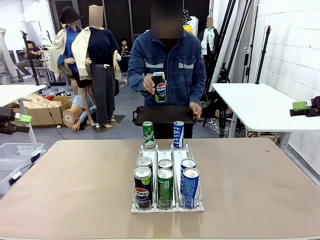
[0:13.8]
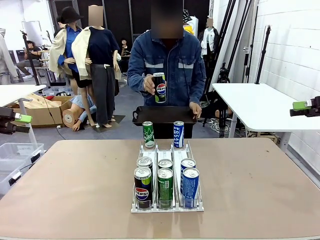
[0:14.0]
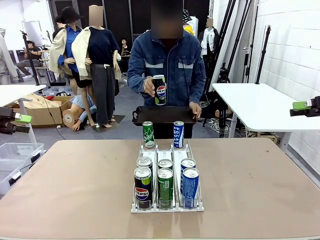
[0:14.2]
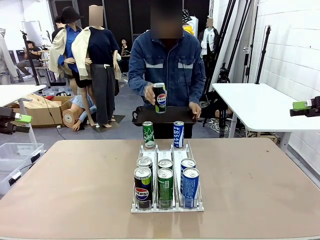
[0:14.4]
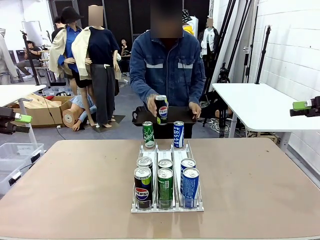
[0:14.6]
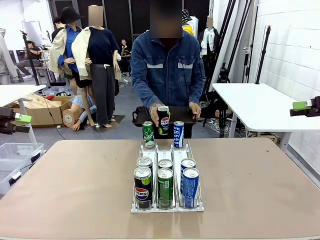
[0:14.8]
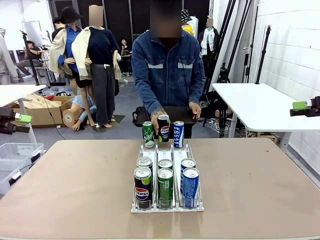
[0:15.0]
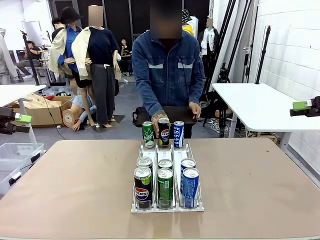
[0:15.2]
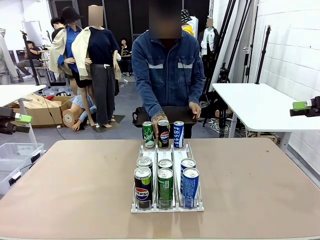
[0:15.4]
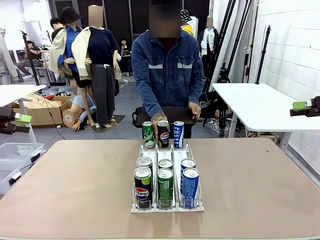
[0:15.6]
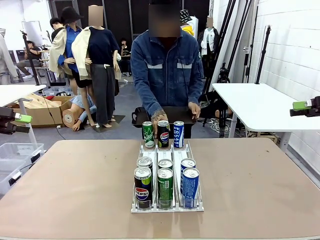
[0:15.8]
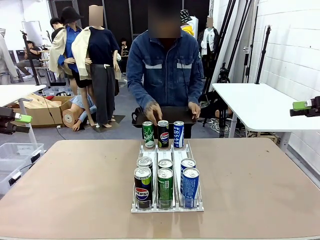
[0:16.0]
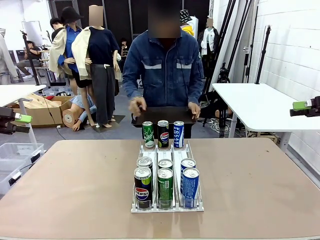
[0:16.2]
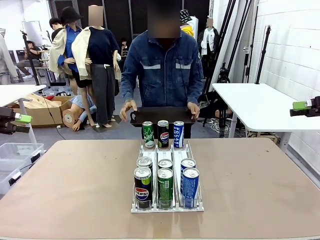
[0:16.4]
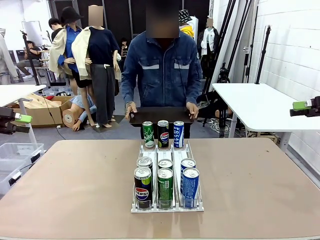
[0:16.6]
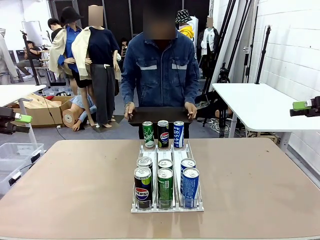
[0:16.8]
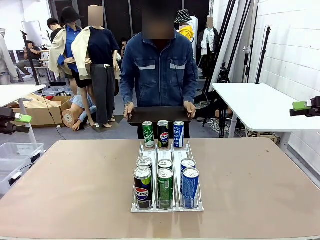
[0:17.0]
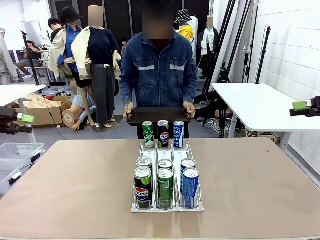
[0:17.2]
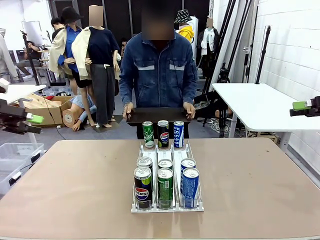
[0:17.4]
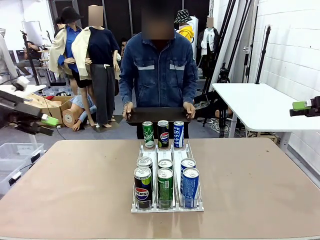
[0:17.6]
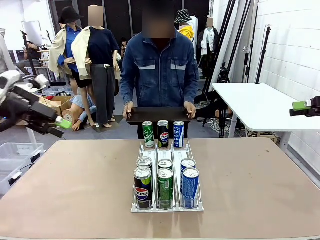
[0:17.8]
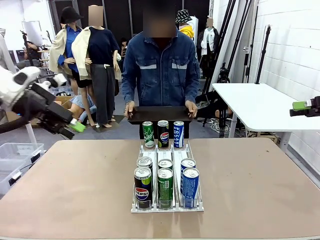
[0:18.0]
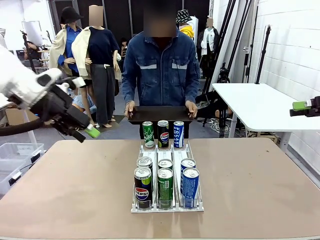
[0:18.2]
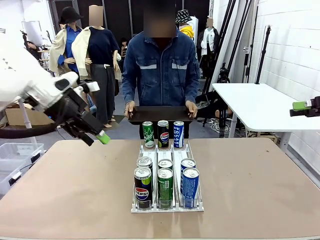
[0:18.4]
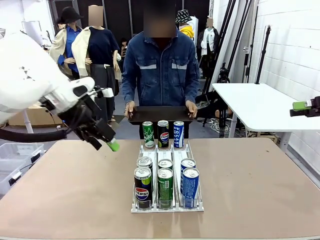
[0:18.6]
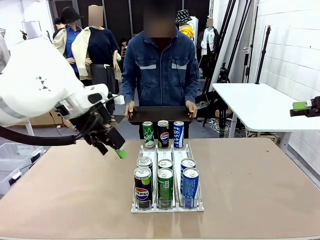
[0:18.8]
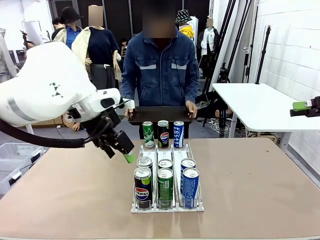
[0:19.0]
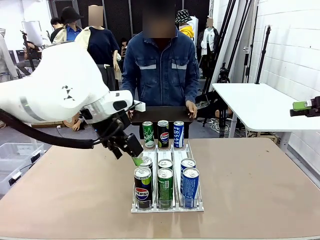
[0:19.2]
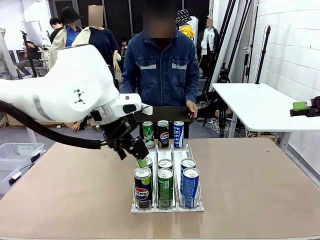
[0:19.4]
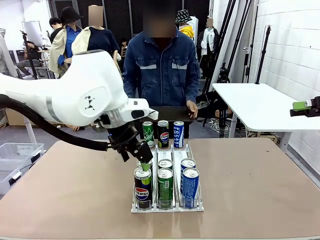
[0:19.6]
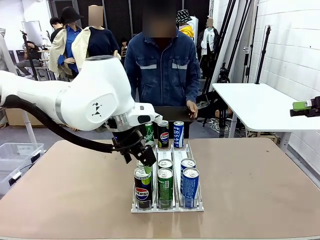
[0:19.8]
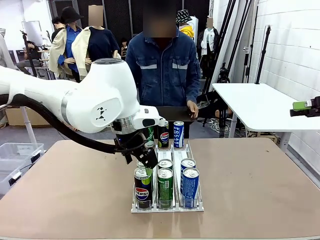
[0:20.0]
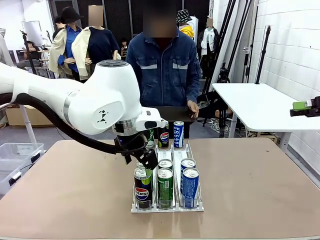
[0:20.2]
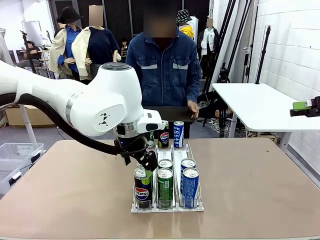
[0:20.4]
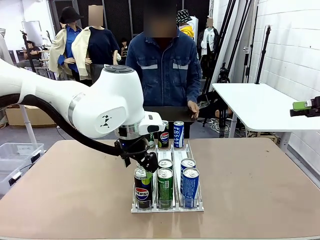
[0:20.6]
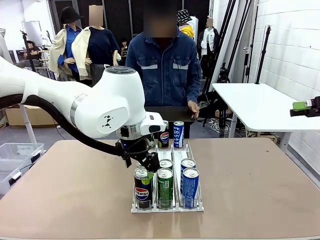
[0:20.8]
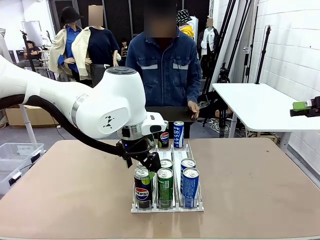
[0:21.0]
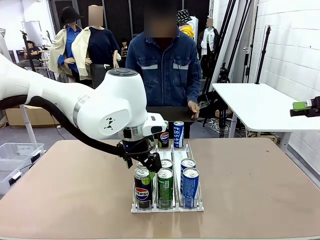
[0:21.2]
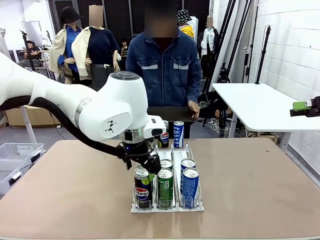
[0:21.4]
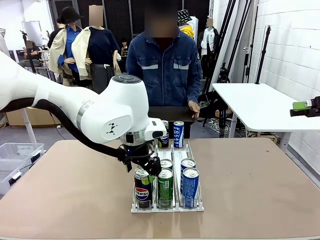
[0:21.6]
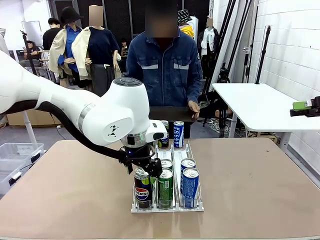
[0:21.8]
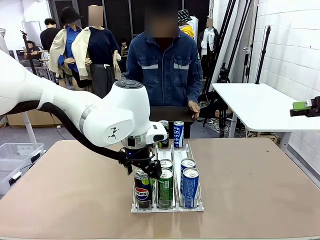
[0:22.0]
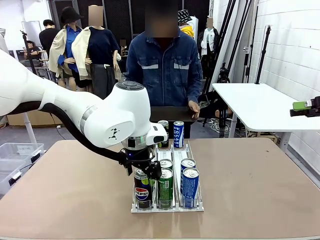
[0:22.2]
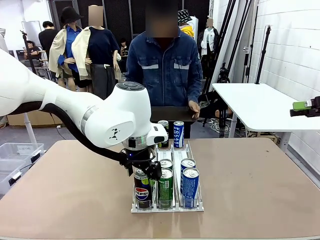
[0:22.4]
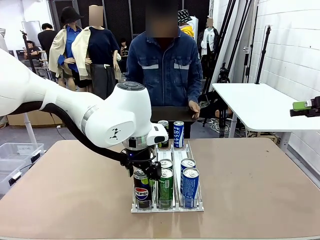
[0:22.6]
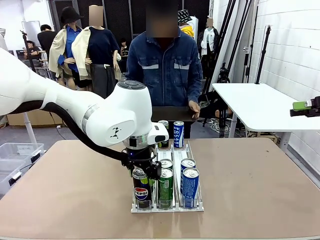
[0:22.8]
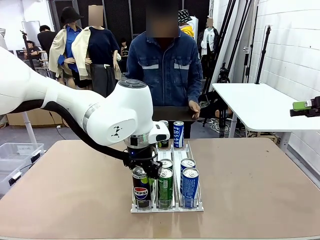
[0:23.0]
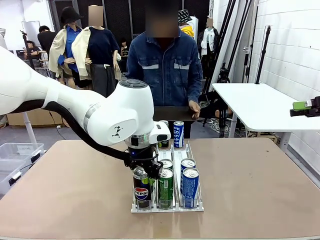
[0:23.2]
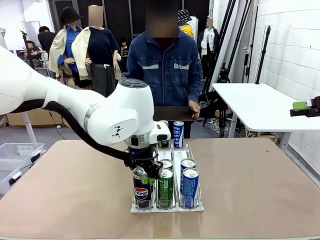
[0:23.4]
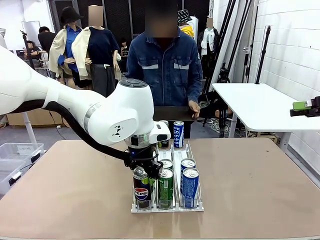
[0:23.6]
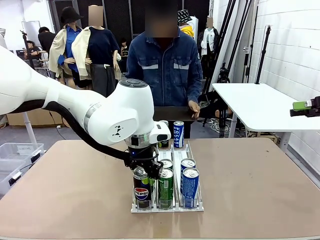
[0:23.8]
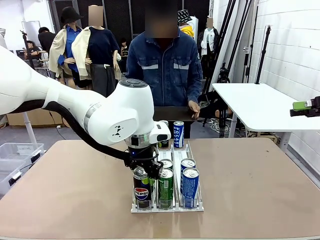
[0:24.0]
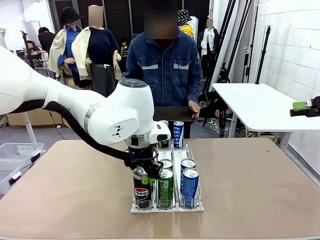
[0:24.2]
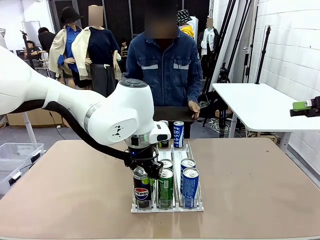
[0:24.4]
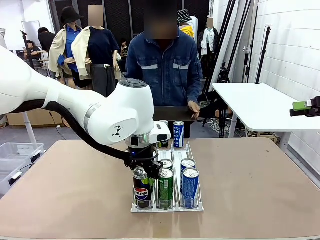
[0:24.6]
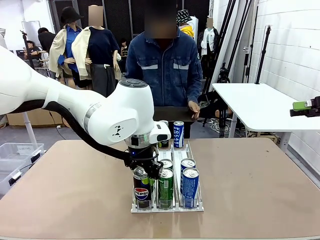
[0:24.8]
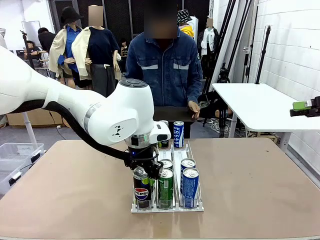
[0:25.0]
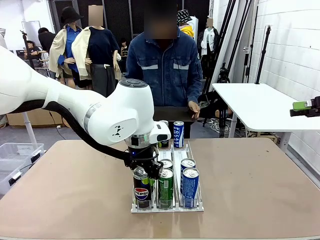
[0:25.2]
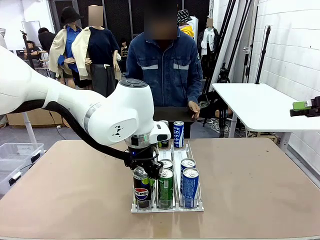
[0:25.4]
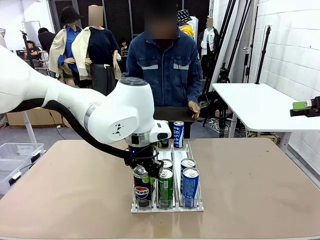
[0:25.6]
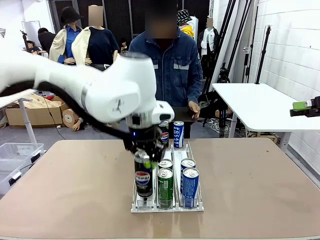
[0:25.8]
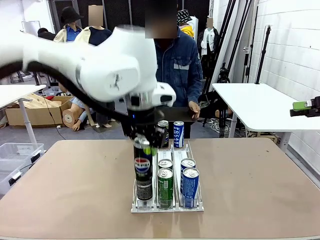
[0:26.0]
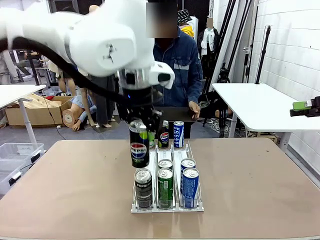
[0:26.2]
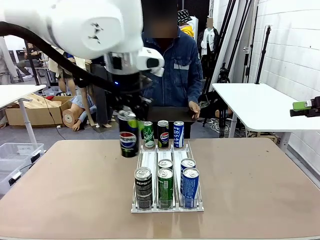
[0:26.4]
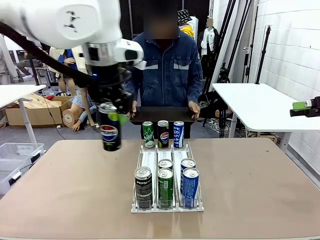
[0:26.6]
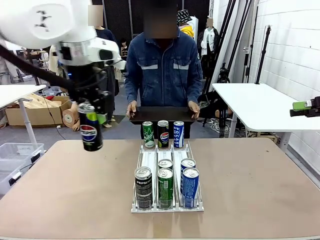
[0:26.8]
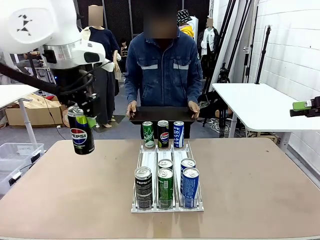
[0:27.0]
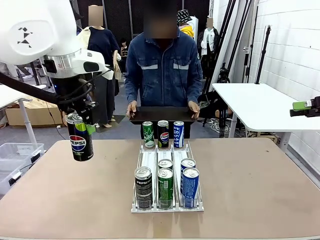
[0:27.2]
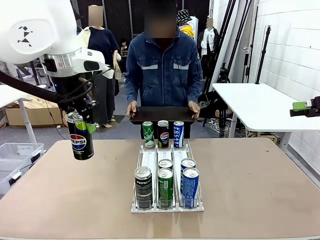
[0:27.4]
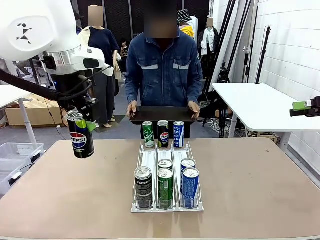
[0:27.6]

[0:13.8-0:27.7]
Task: Retrieve and hand over the desired beverage to the person.
Robot: Pick up a can of the same type that the person held from the Automatic Can Dispenser.
Person: Push the tray toward the robot.

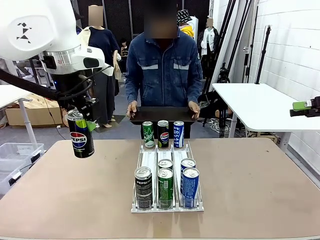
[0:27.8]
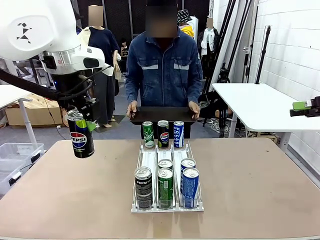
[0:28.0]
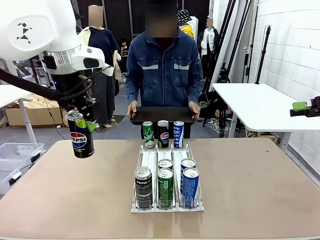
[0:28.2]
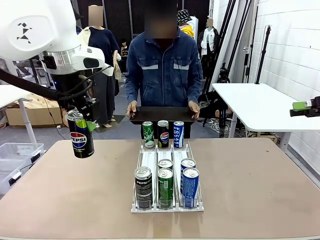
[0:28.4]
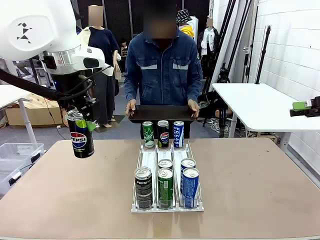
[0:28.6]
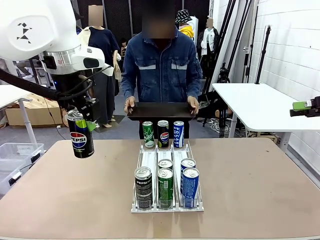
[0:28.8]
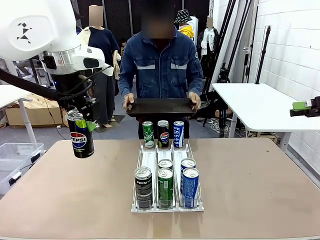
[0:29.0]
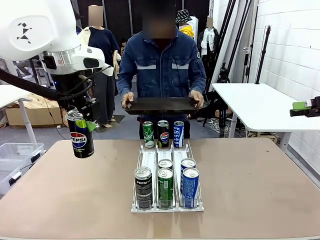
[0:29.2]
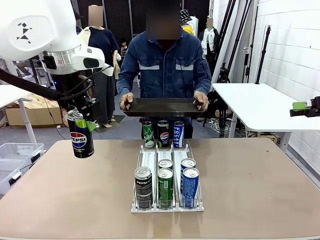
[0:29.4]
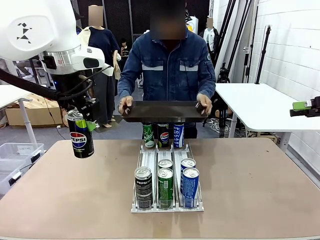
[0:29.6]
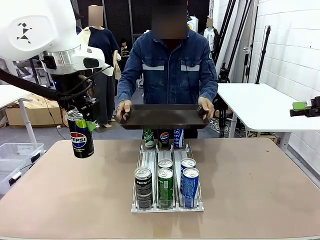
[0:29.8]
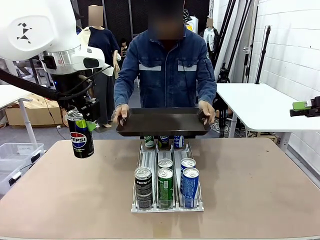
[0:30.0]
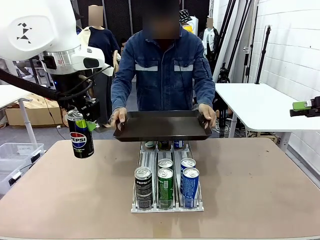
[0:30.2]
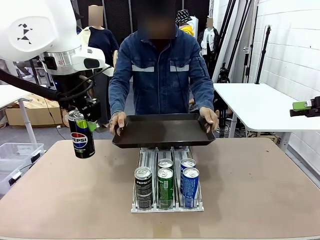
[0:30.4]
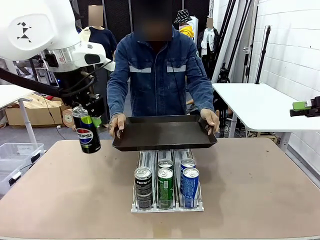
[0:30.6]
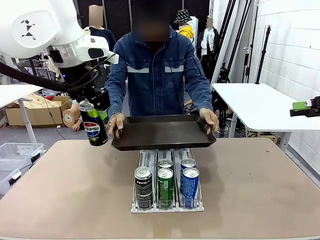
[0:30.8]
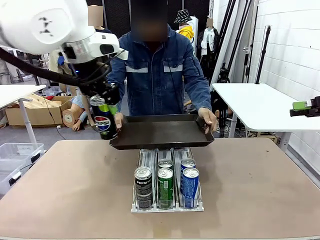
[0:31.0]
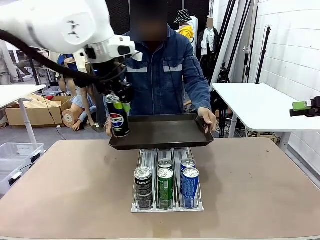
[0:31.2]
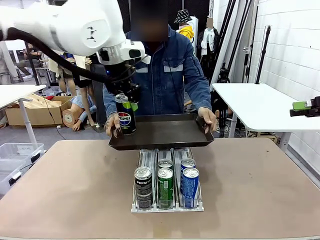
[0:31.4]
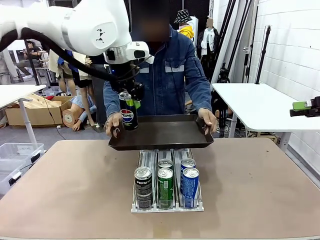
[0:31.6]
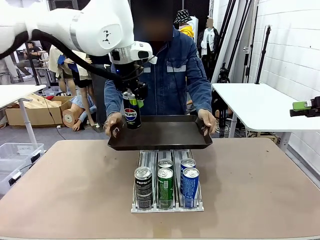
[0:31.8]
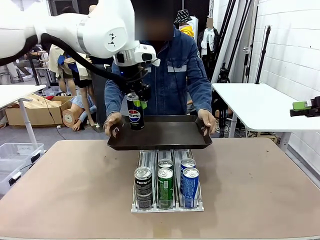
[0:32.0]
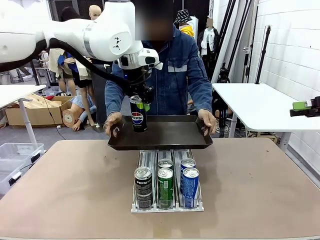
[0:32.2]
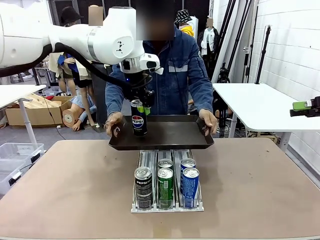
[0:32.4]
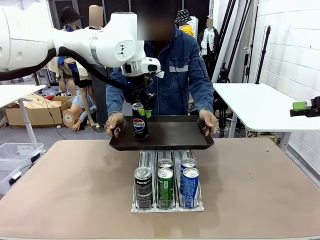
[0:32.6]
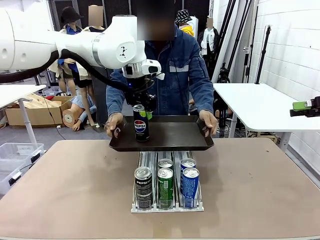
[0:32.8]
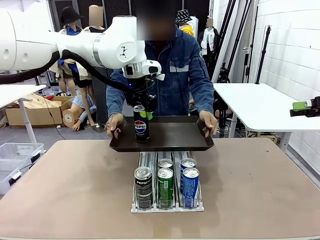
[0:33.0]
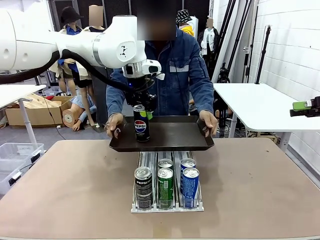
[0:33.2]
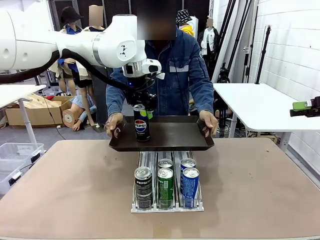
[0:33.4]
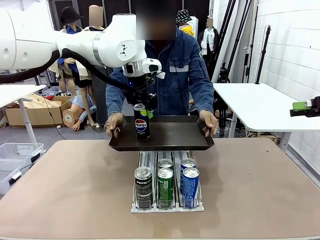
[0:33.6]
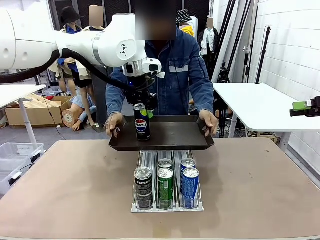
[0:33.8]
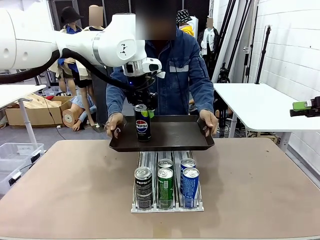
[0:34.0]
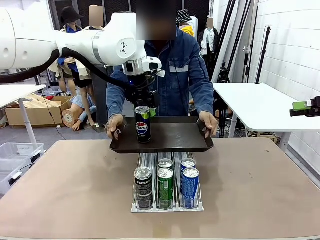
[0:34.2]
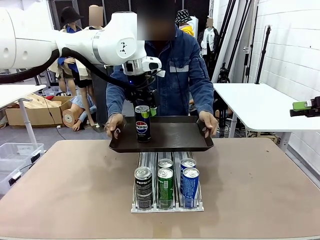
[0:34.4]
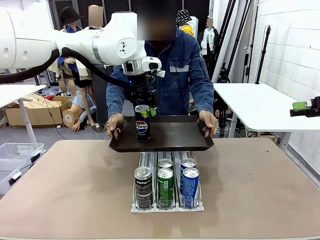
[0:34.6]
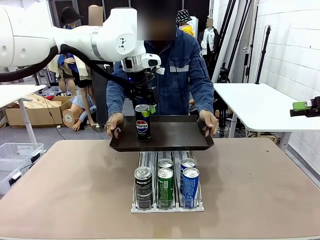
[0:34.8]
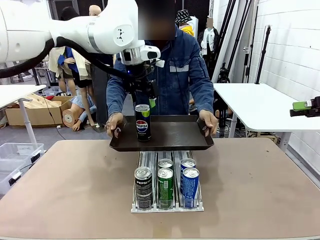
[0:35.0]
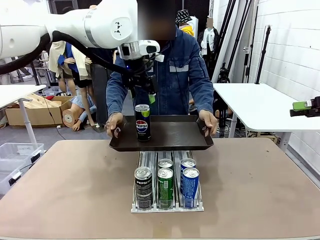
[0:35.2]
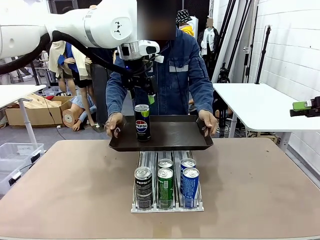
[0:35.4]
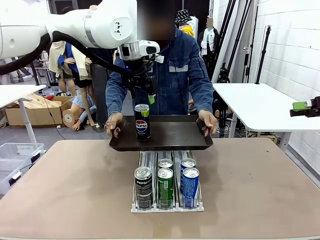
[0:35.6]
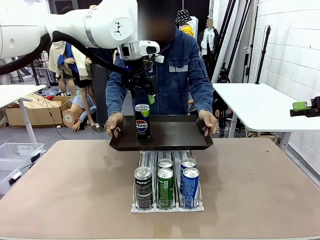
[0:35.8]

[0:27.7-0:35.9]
Robot: Place the picked can on the Handle tray extended by the person.
